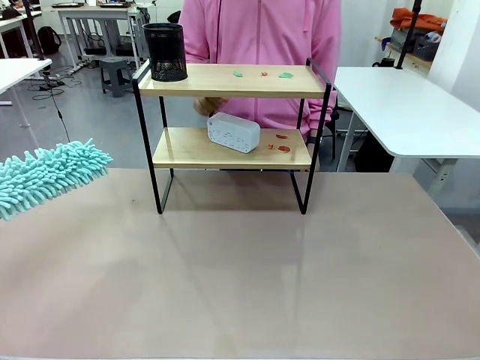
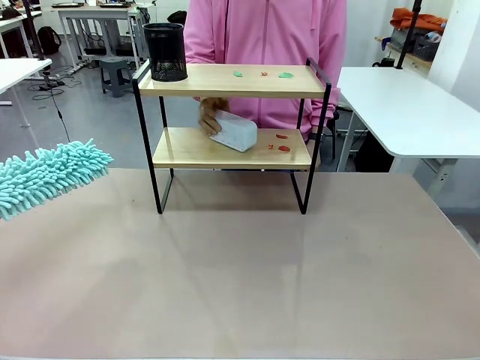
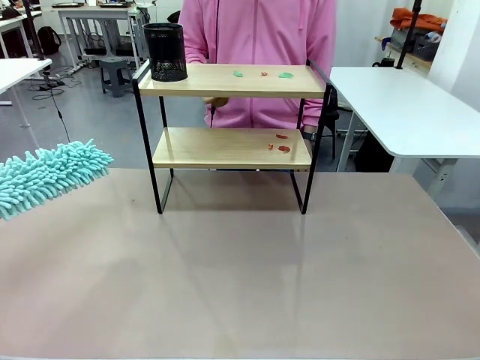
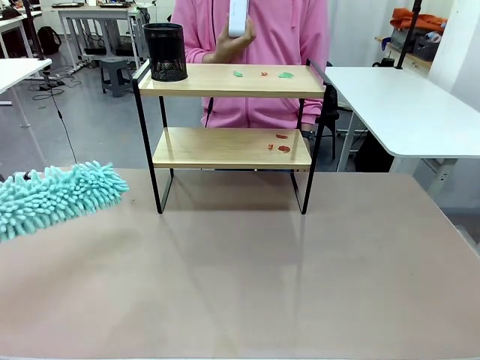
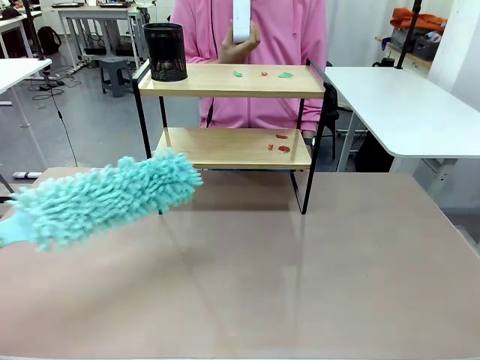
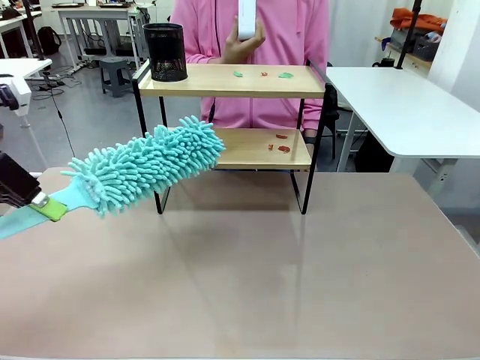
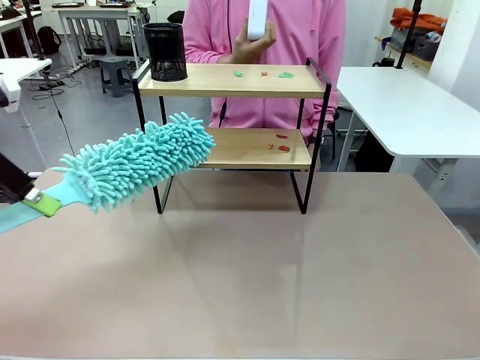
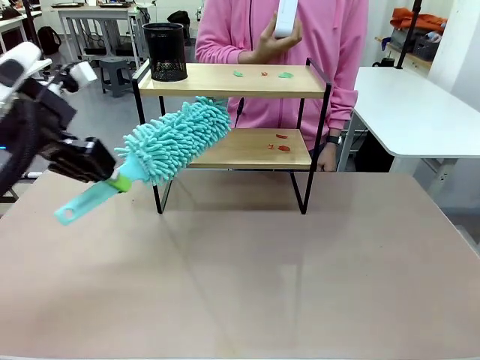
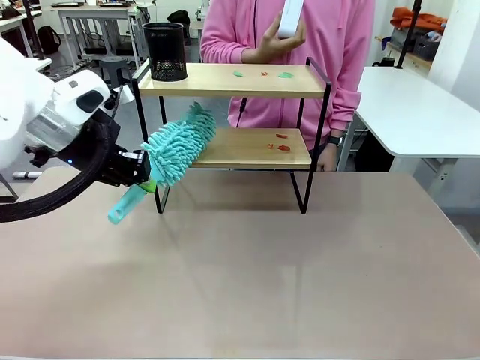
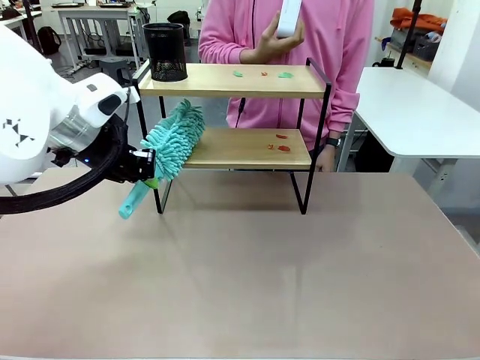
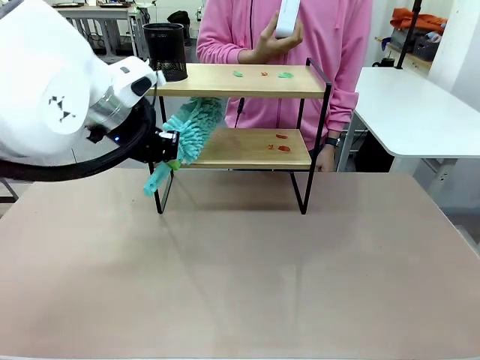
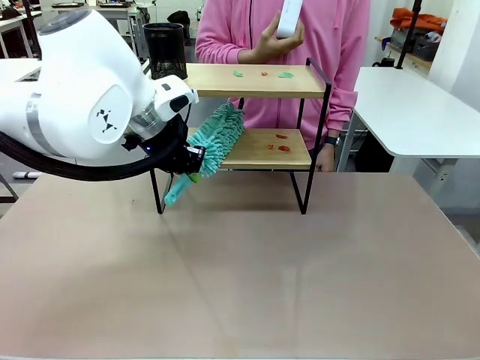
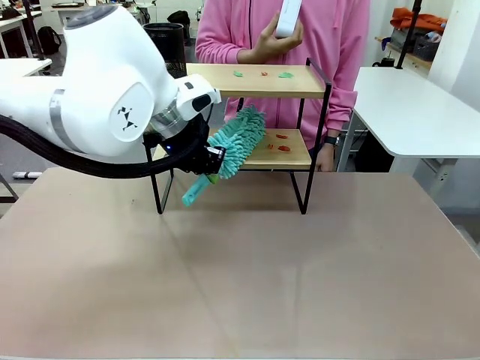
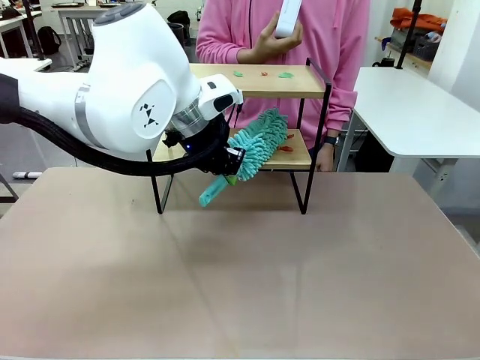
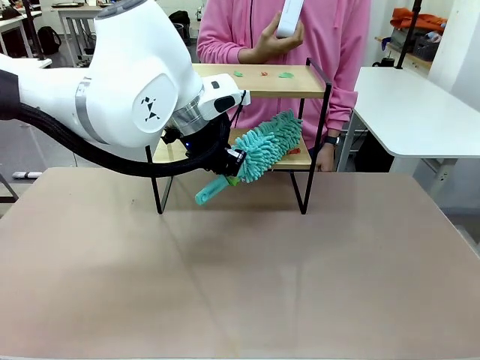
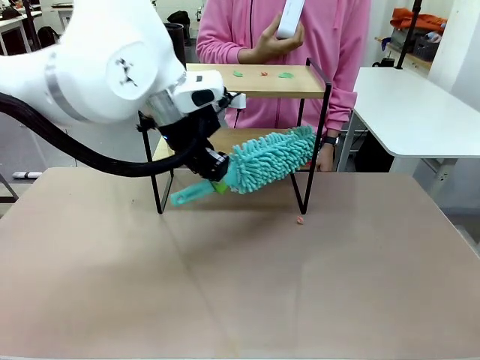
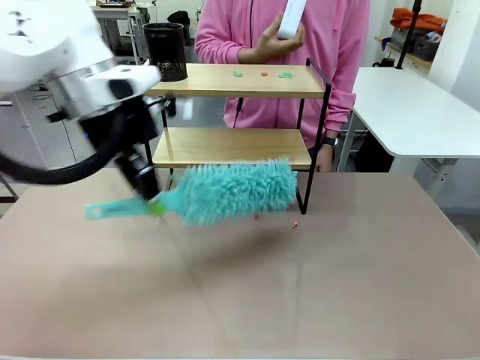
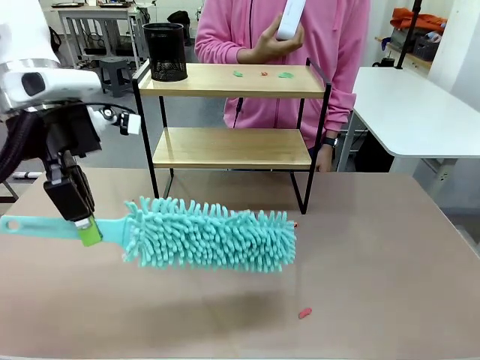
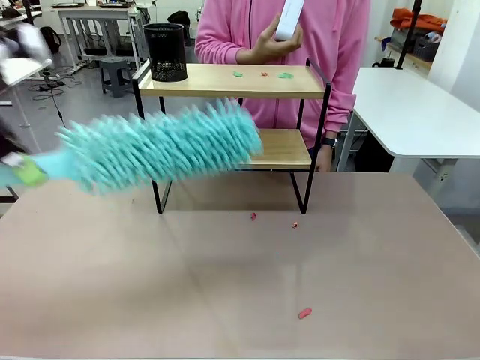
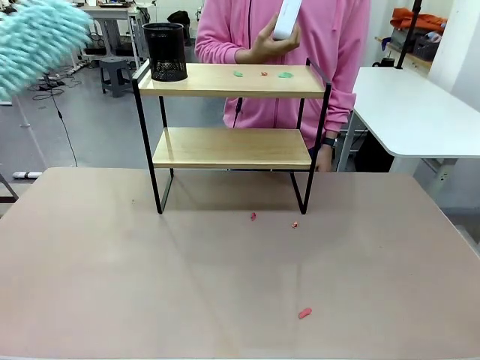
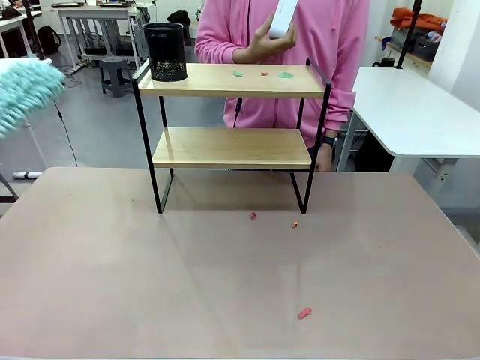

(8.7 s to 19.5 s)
Task: Clean the shelf.
Robot: Clean the specific tier of the Shelf with the Duster once objects are removed.
Person: Lift the objects on a randomly selected tier of the Shelf. Once the robot finishes cleaning, lift the objects on the remaining tiers of the Shelf.

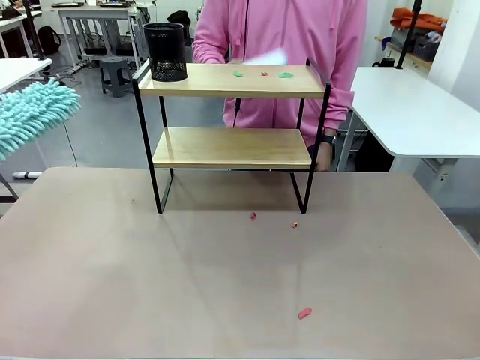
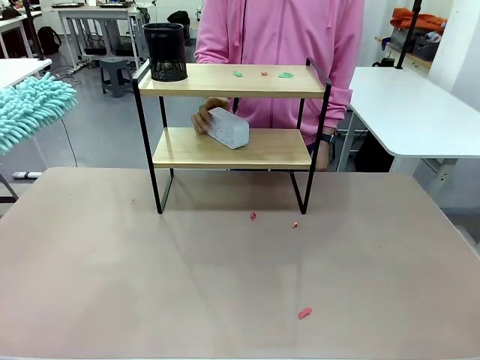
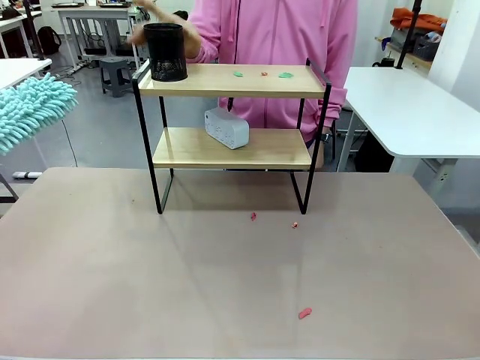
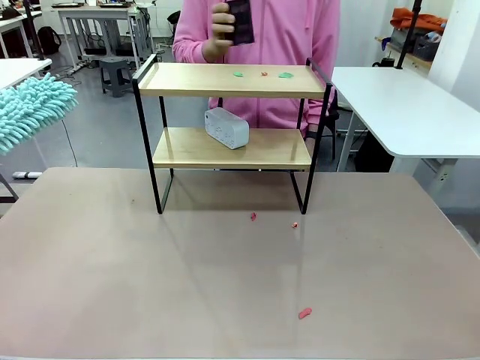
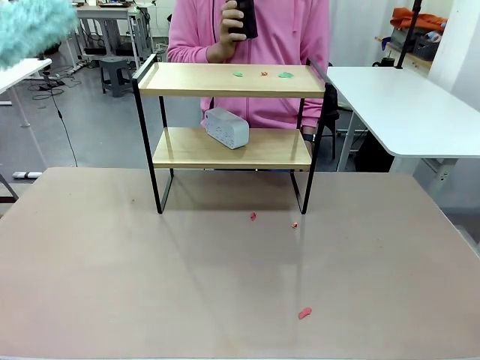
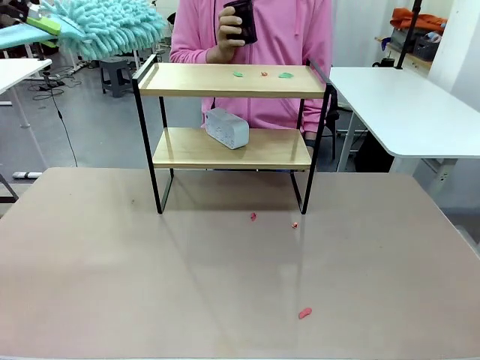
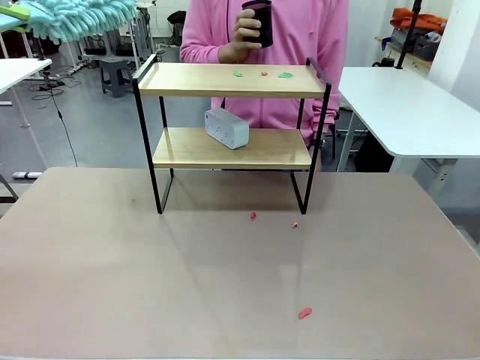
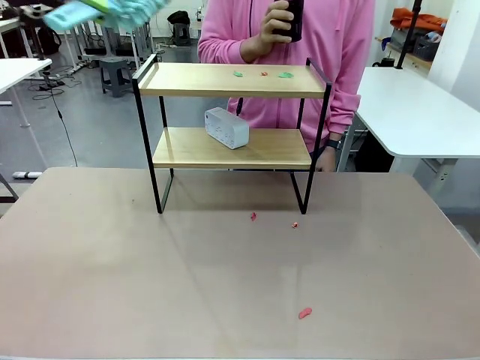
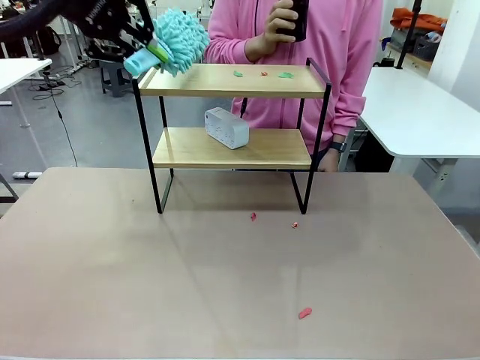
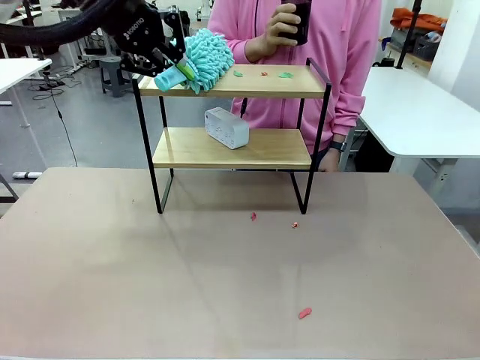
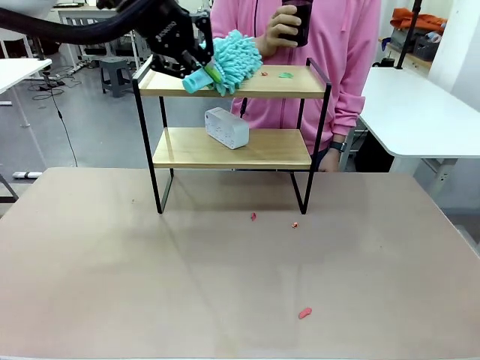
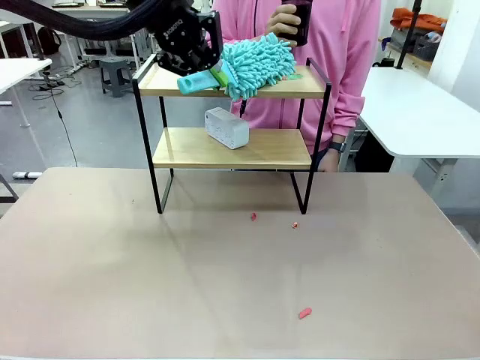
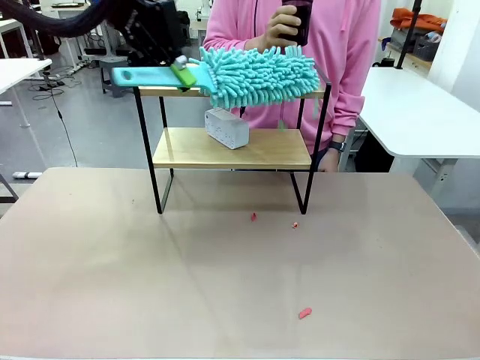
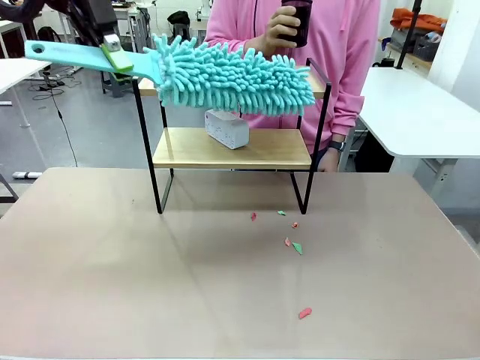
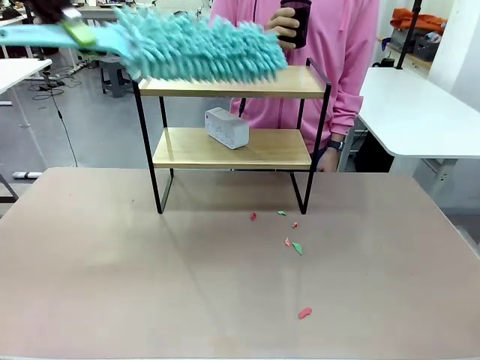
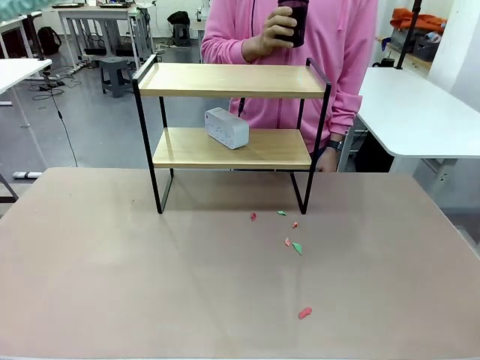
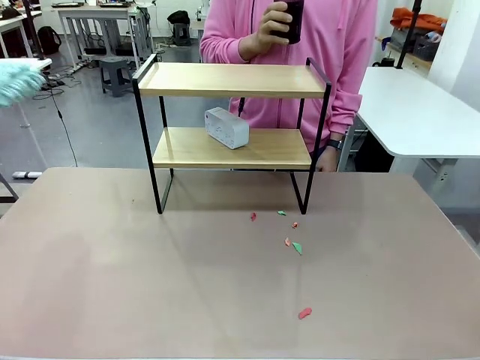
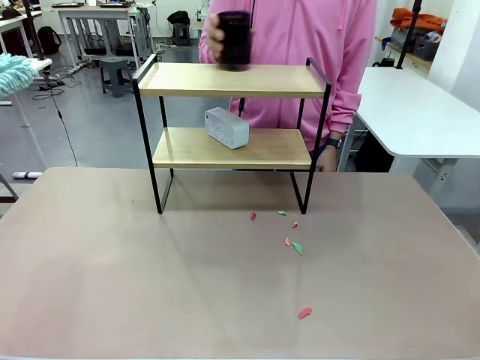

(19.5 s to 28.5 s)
Robot: Clean the remaining tier of the Shelf with the Duster once objects are removed.

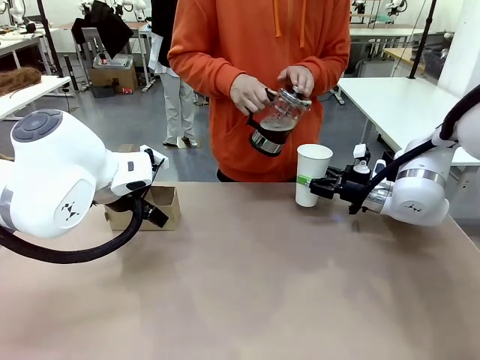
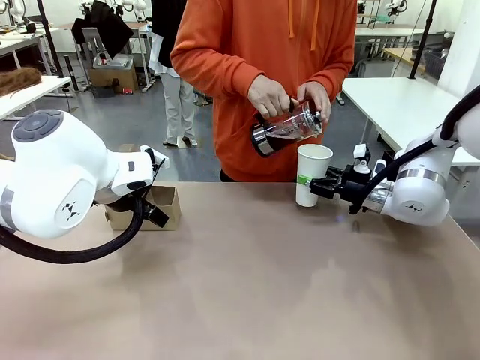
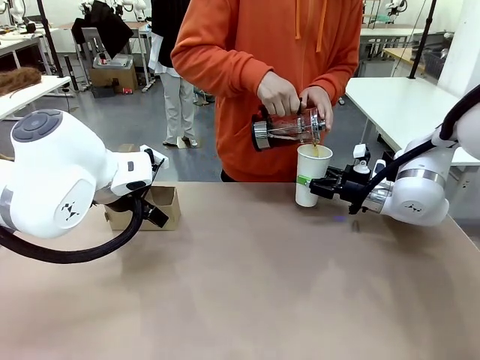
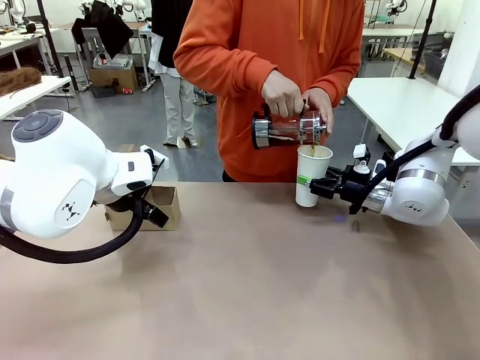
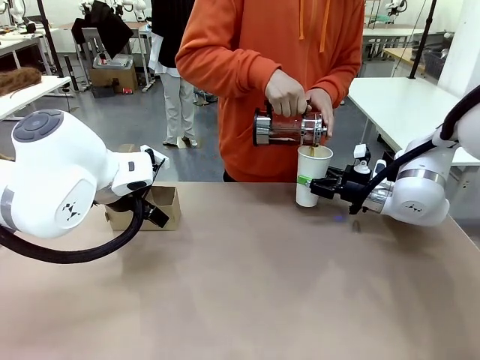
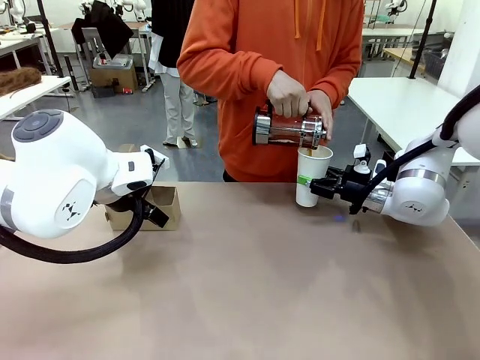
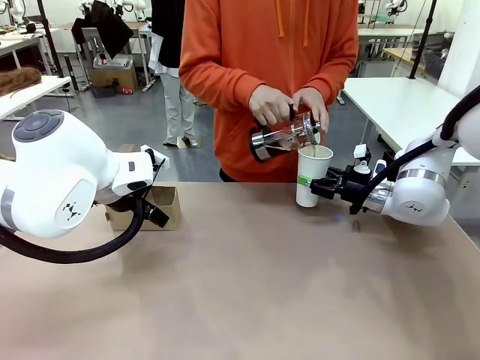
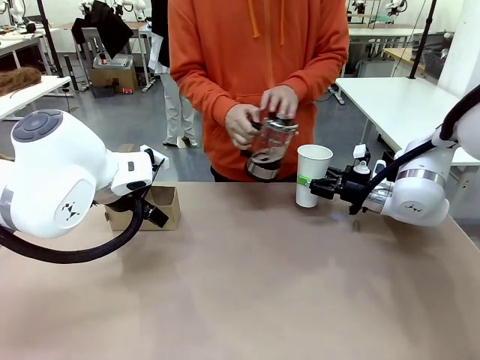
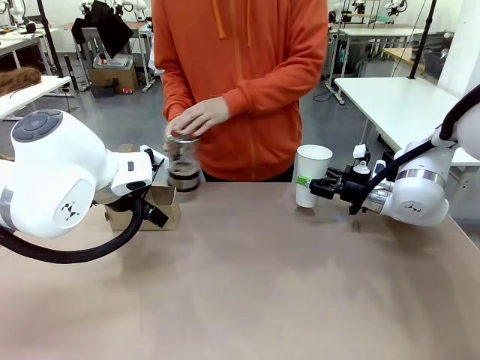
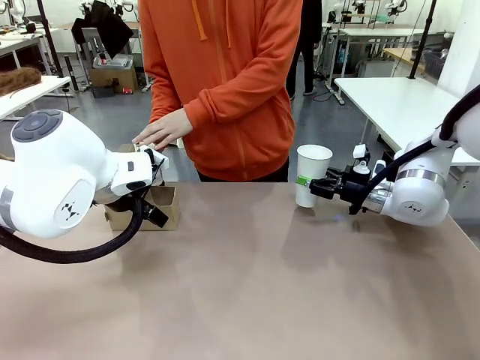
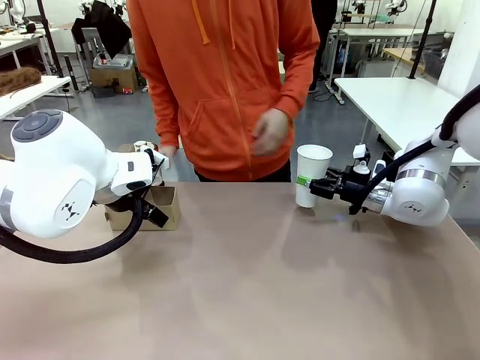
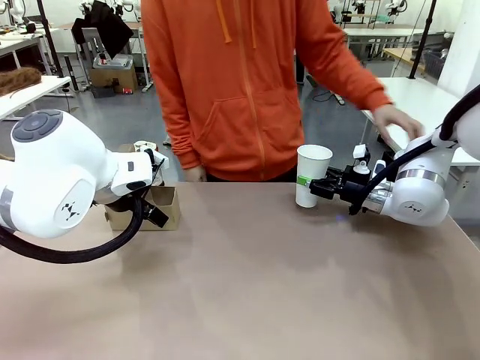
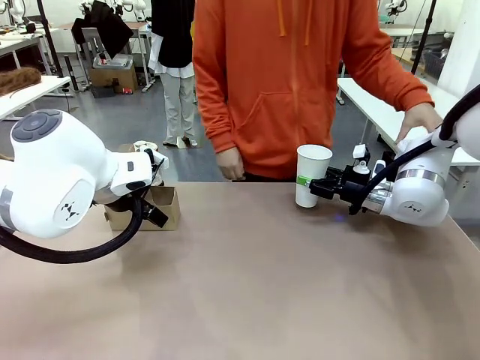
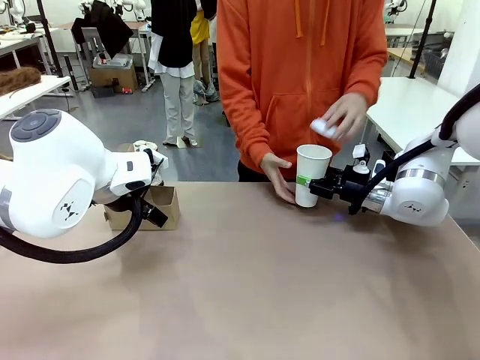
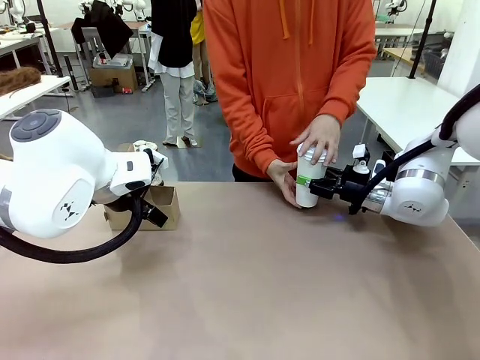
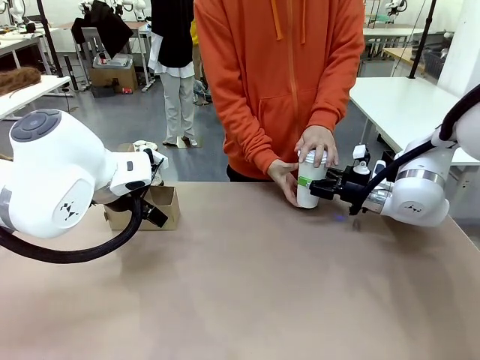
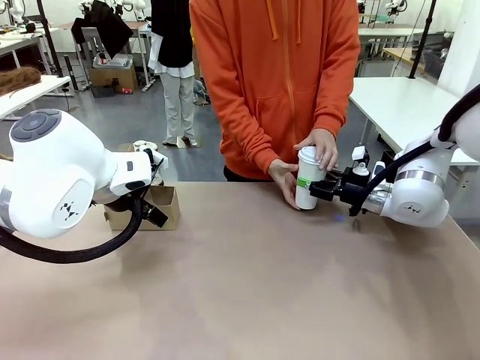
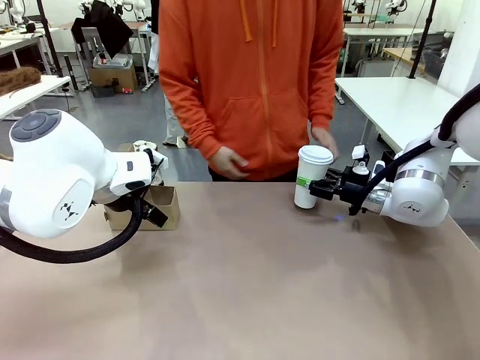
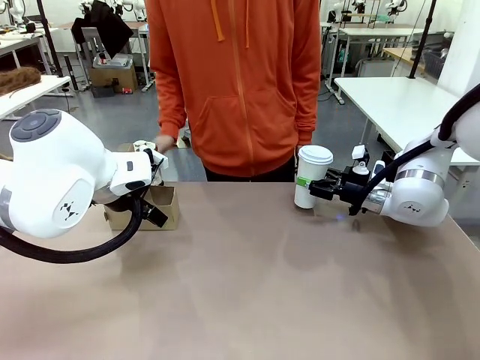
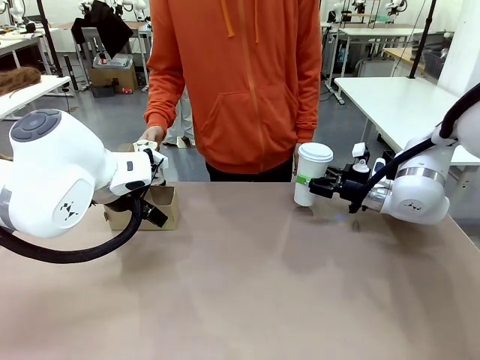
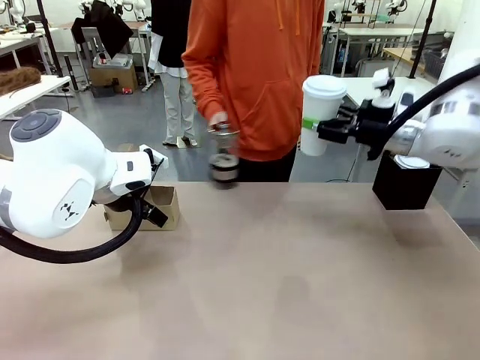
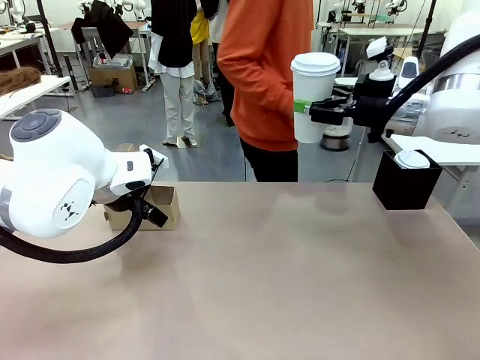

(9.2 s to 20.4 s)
Task: Pour a drink into a cup and package it in a carrier.
Robot: When a person places the Paper Cup Lid on the 600 ml Paper Cup , lift the 600 ml Paper Cup.
Person: Pour the drink from the Filter Brewing into the 600 ml Paper Cup. Place a Paper Cup Lid on the 600 ml Paper Cup.
